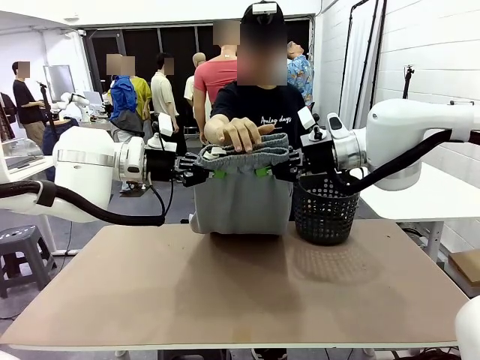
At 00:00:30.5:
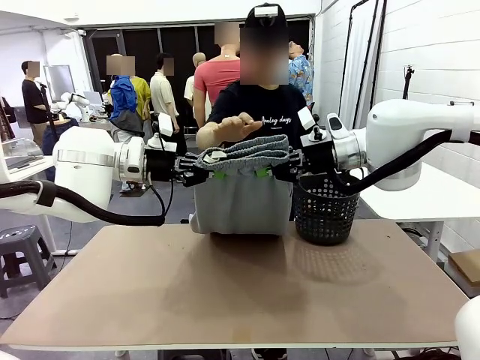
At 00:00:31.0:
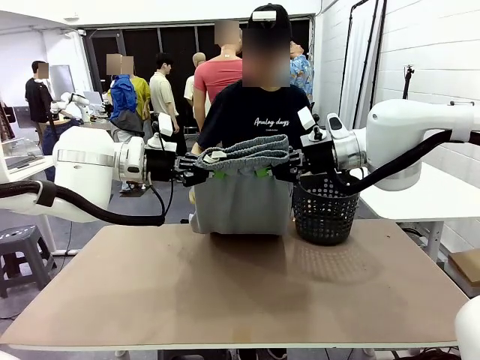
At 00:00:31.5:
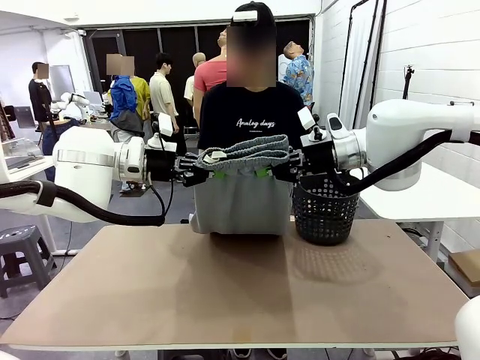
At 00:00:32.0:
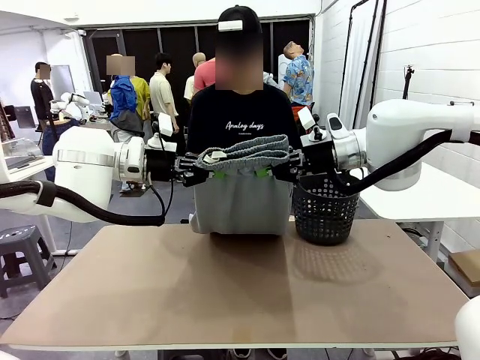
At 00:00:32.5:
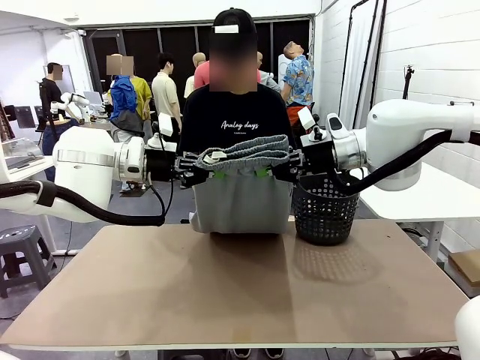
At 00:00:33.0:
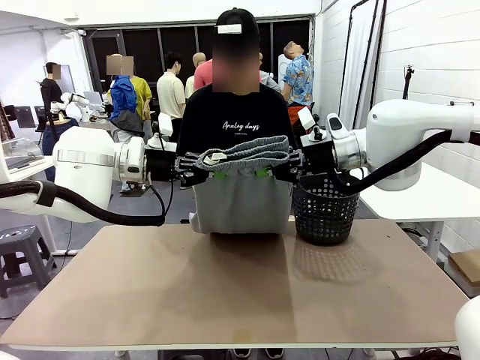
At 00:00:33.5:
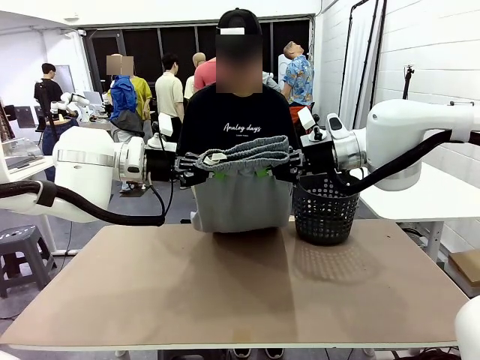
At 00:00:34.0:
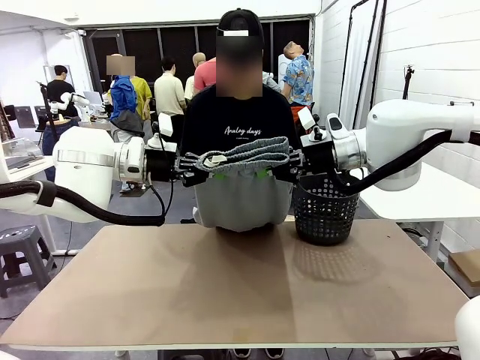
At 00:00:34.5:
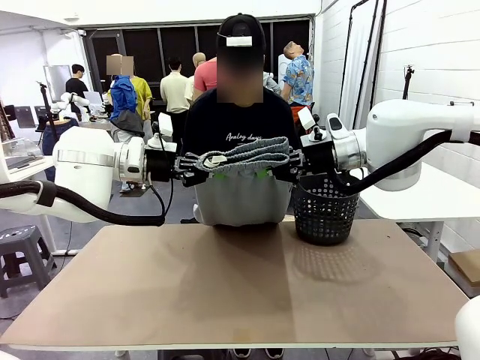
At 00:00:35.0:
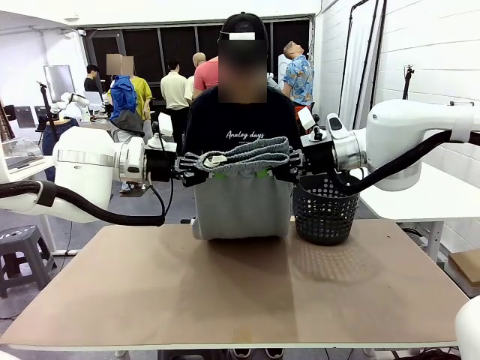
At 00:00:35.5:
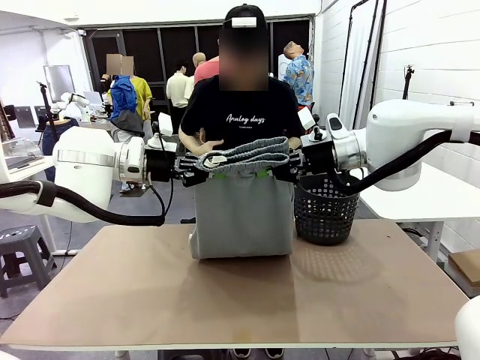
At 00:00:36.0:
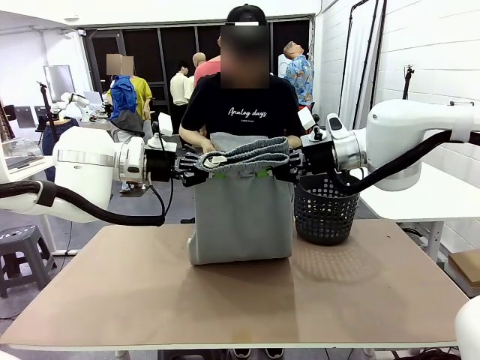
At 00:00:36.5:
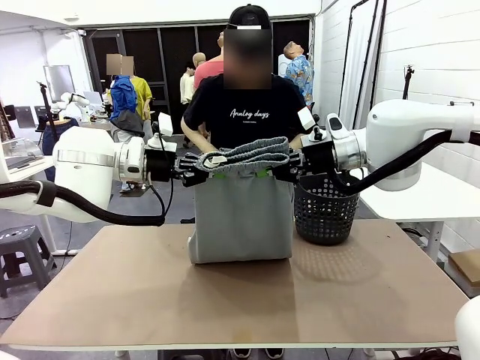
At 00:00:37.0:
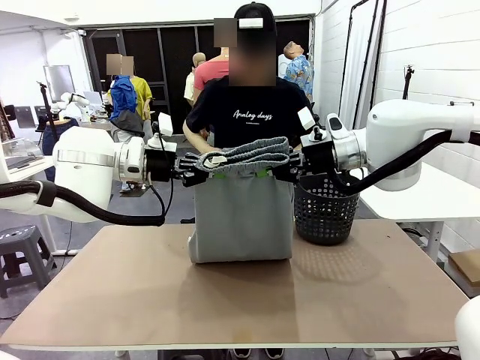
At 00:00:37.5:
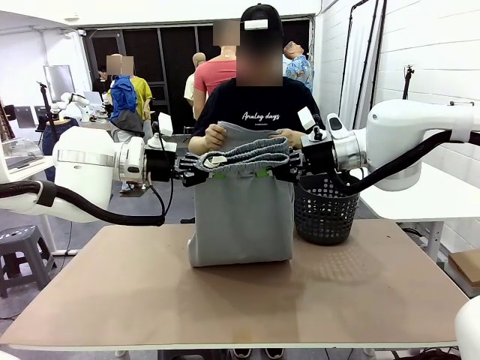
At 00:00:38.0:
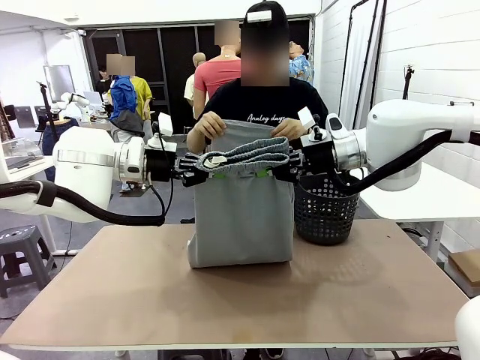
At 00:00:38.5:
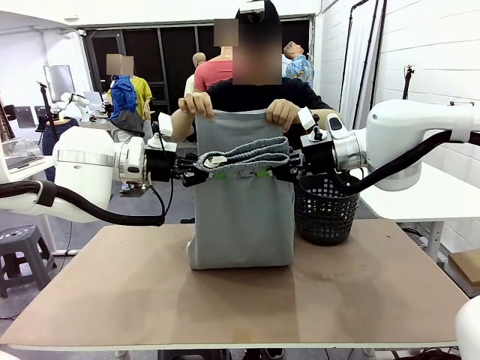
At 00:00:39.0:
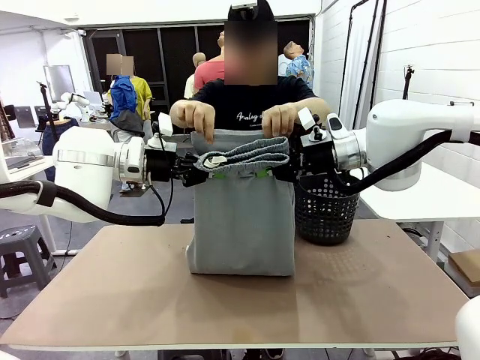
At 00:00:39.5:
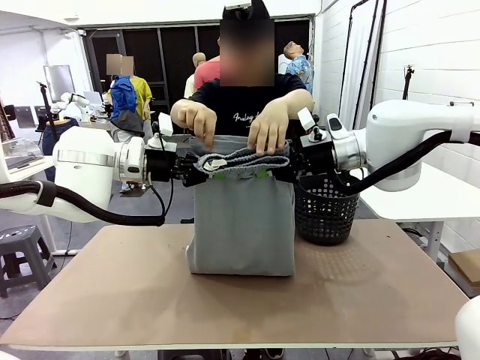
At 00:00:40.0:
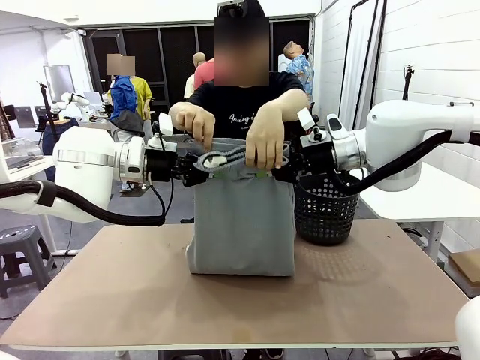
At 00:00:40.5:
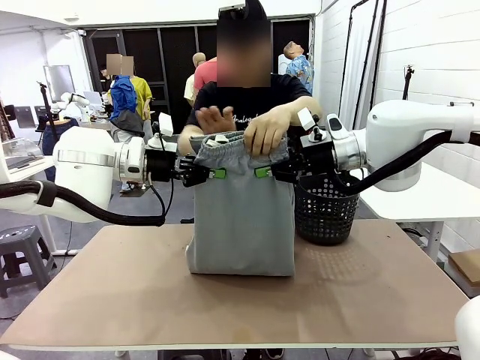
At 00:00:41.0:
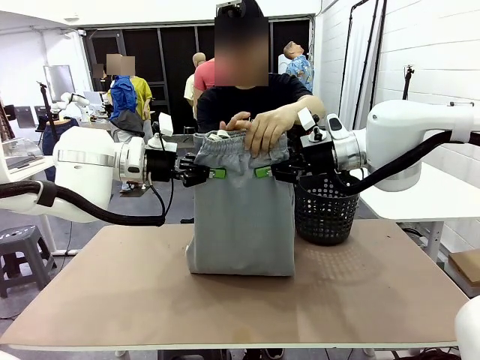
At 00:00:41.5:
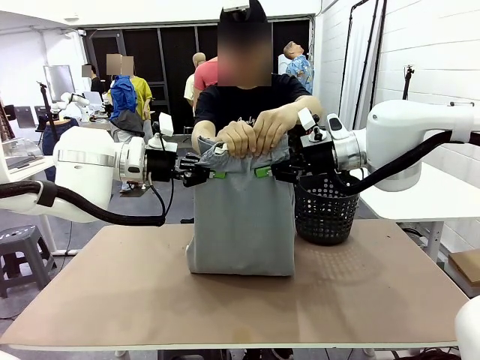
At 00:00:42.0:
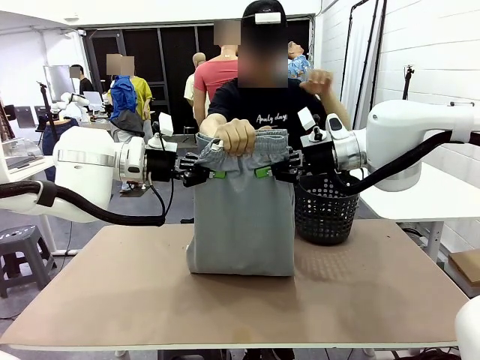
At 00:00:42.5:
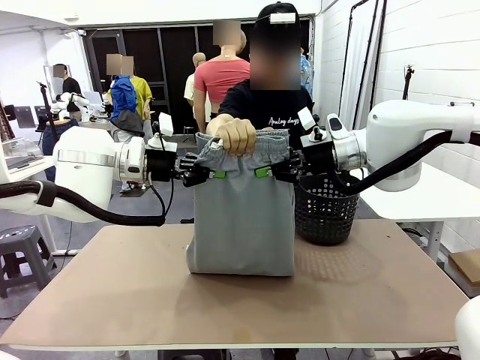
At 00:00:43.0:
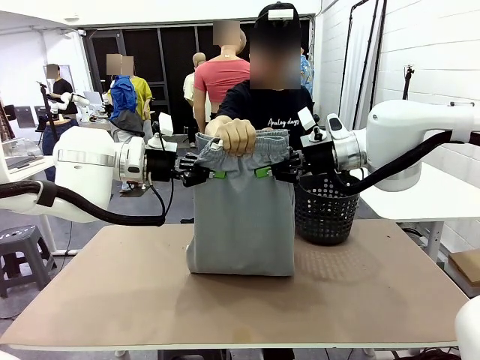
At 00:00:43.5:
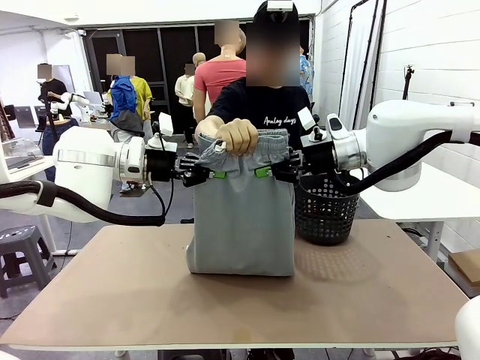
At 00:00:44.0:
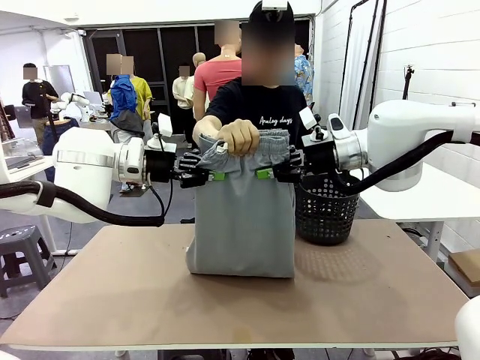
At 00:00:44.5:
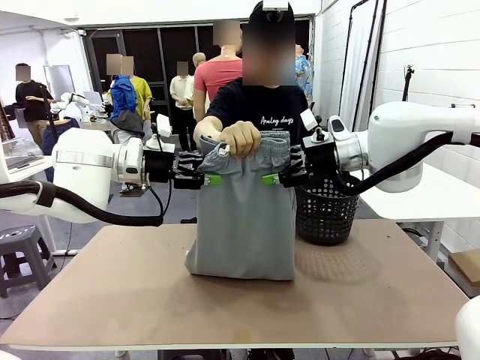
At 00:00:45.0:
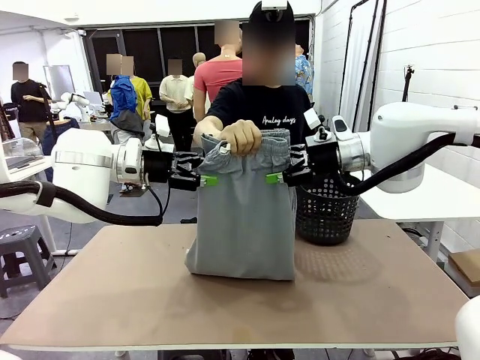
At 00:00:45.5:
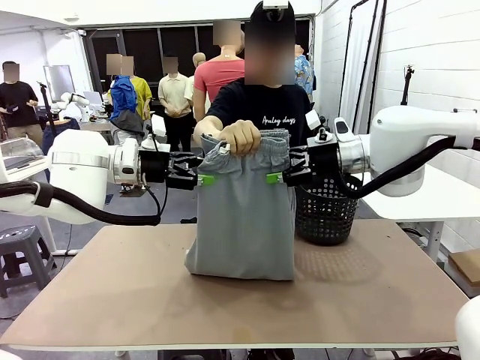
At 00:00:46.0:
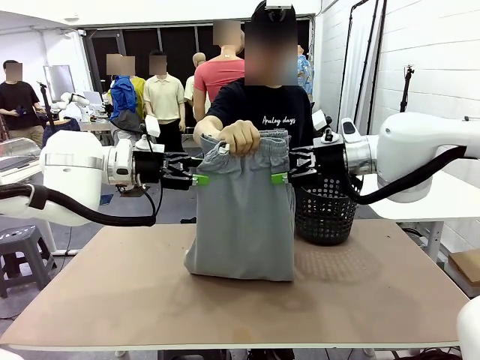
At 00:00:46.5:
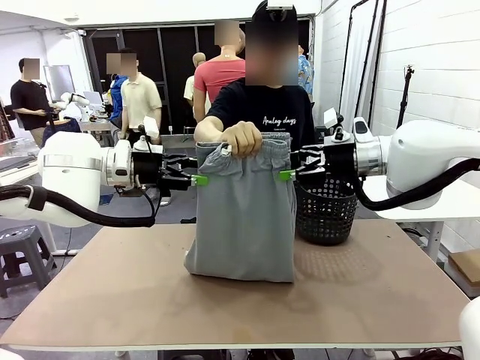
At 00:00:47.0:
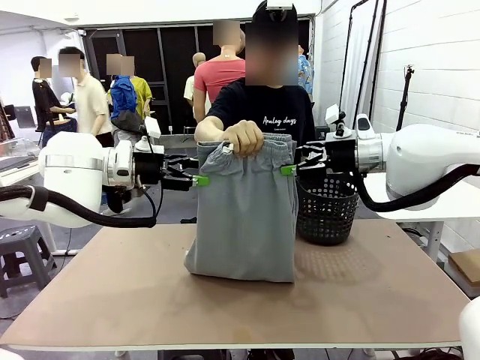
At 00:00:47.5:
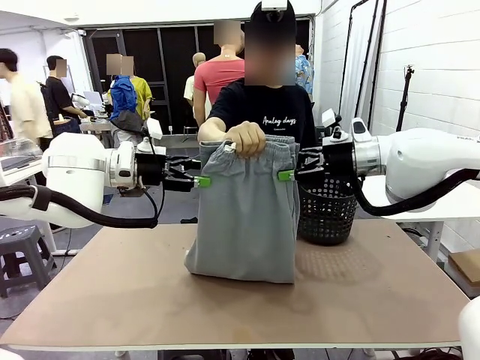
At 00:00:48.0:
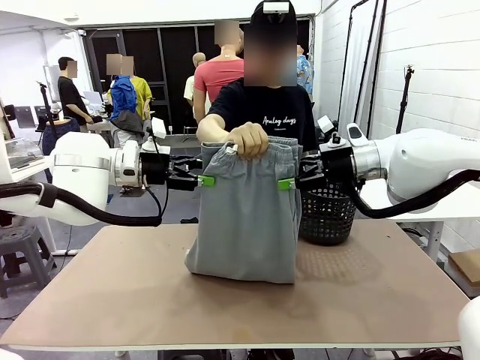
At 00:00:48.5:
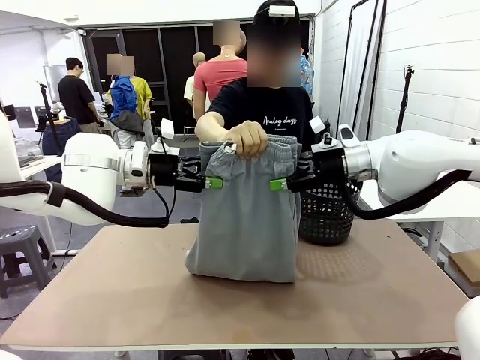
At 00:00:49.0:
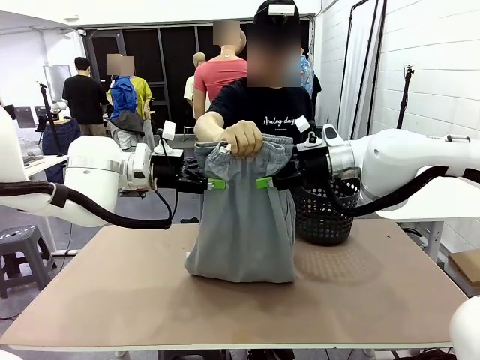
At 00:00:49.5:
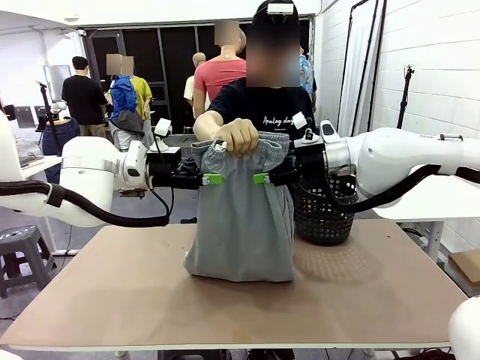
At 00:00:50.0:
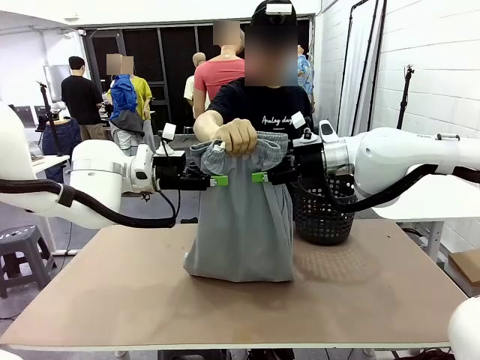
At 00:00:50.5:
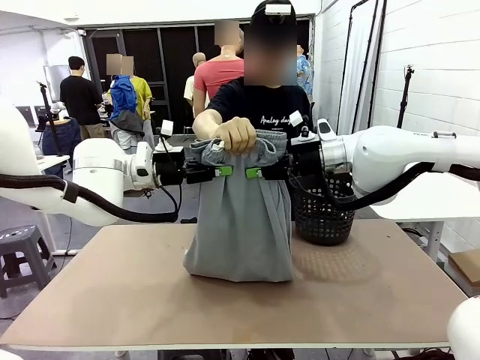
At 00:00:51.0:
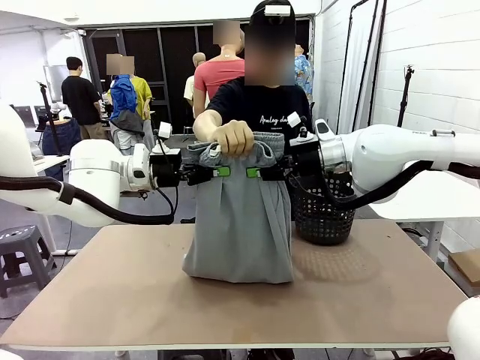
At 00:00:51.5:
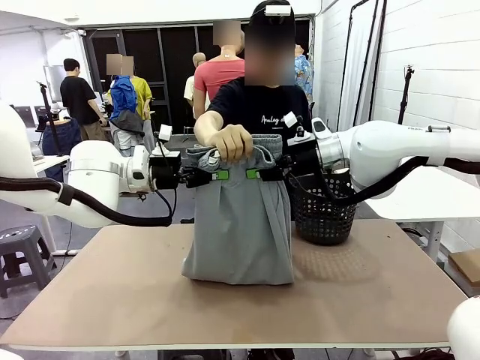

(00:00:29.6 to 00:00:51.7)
Task: Fold the training pants.
Robot: Release the ends of the Training pants and then grab the overlapped ends.
Person: Grasp the end opposite the point the robot is holding, fold the pants in half, and then grasp the overlapping top end of the folded pants. Release the pants you were holding.
